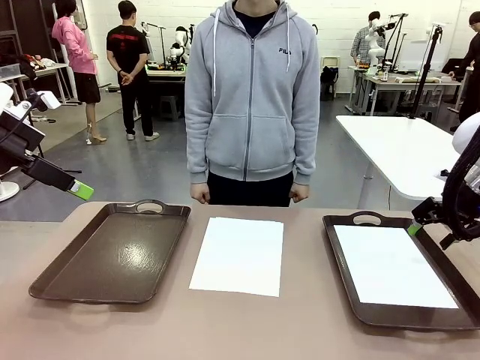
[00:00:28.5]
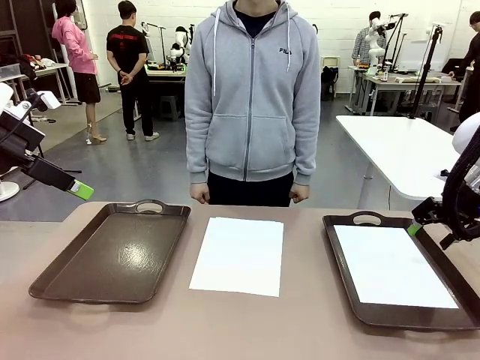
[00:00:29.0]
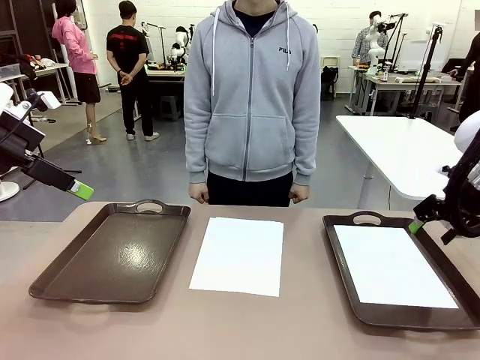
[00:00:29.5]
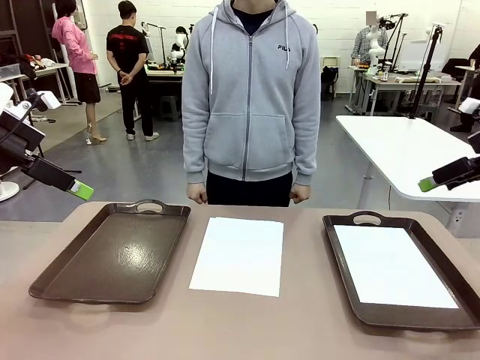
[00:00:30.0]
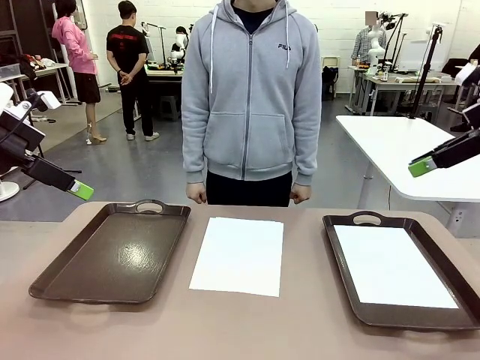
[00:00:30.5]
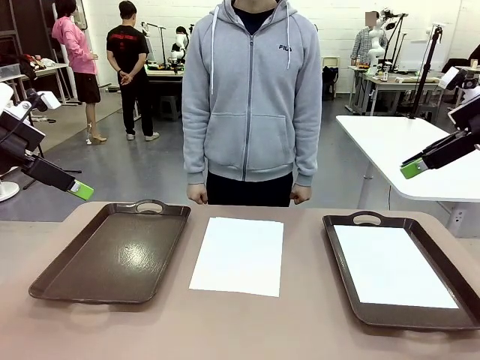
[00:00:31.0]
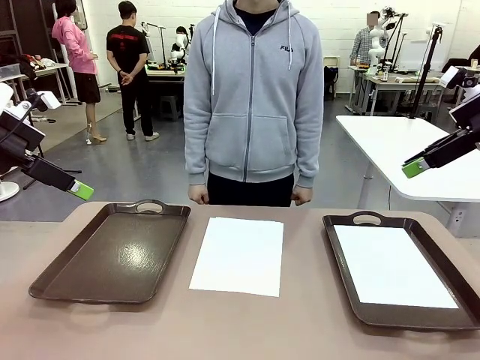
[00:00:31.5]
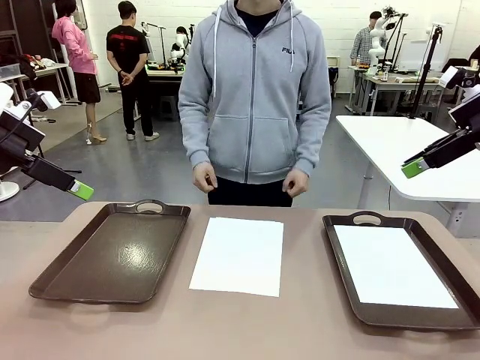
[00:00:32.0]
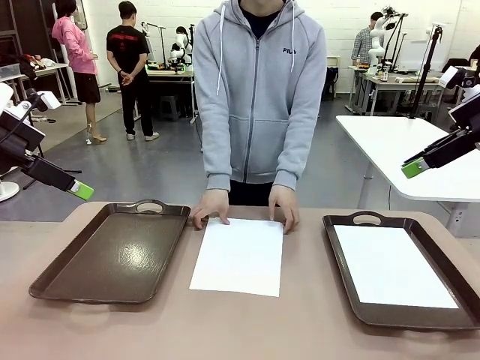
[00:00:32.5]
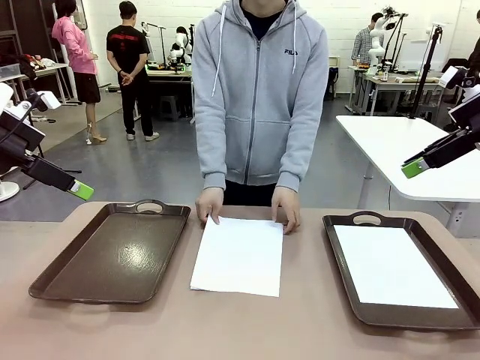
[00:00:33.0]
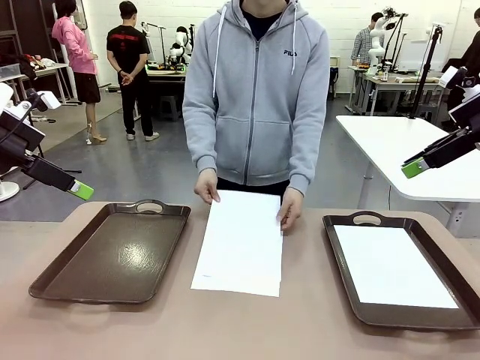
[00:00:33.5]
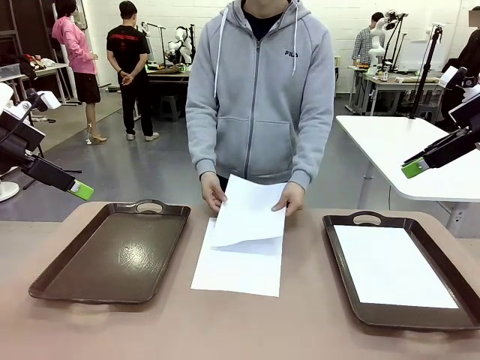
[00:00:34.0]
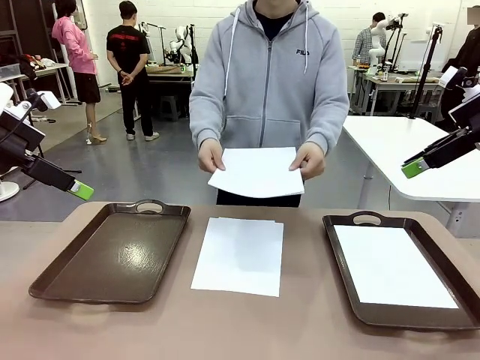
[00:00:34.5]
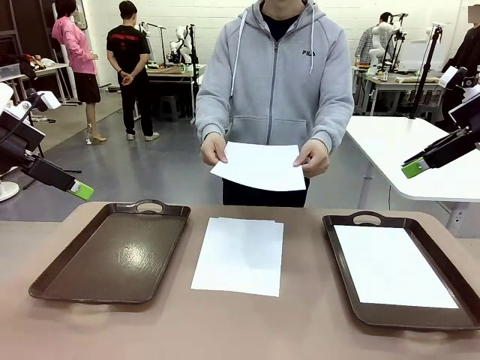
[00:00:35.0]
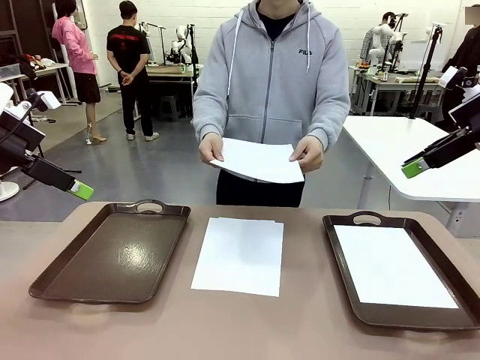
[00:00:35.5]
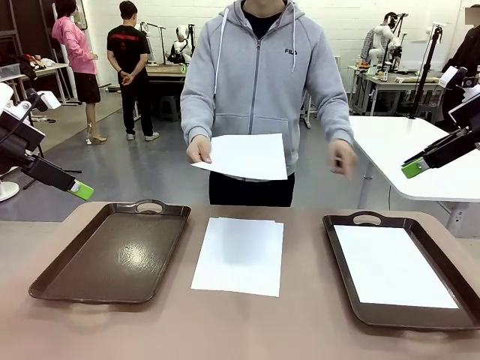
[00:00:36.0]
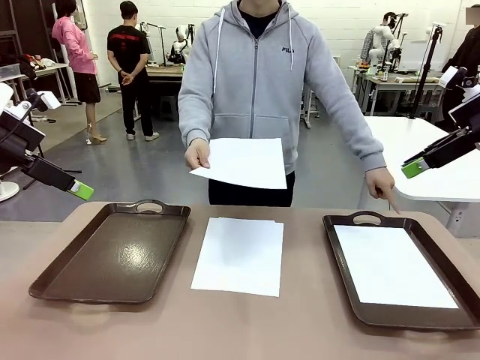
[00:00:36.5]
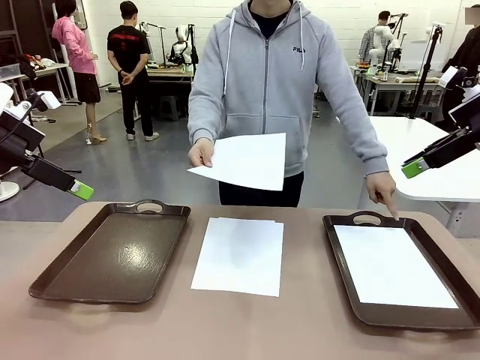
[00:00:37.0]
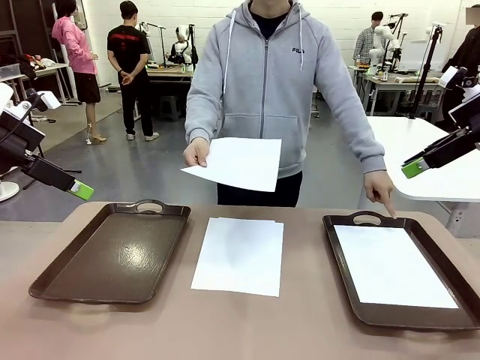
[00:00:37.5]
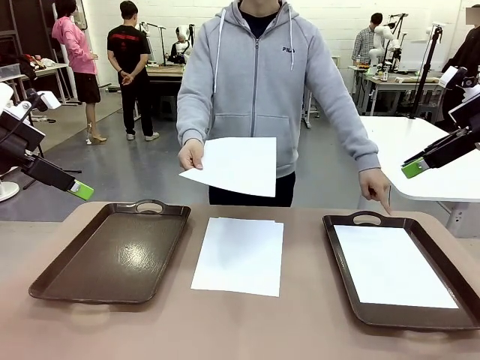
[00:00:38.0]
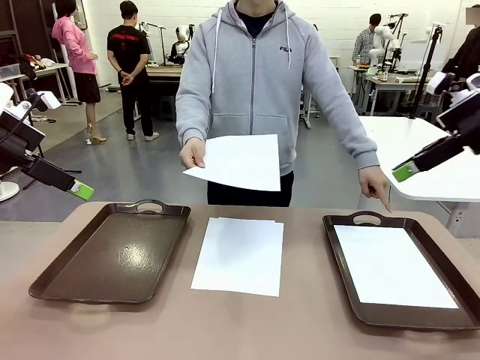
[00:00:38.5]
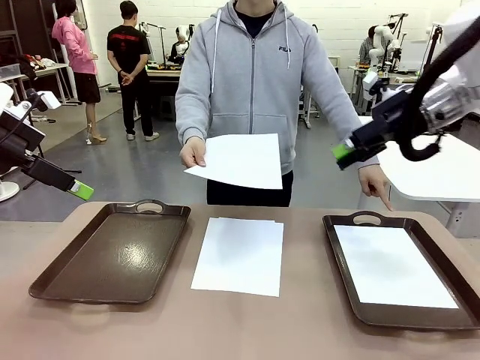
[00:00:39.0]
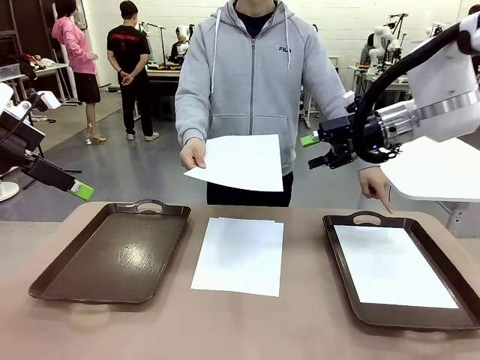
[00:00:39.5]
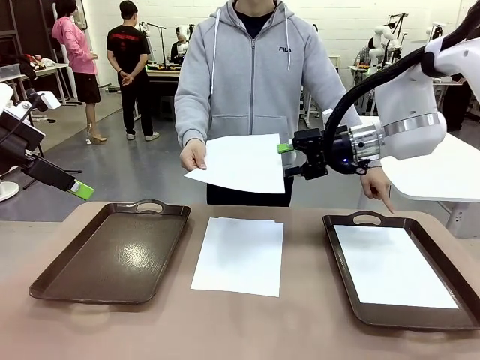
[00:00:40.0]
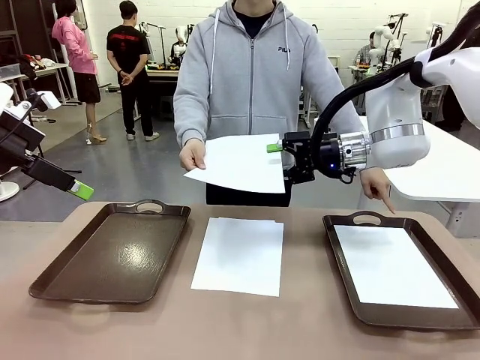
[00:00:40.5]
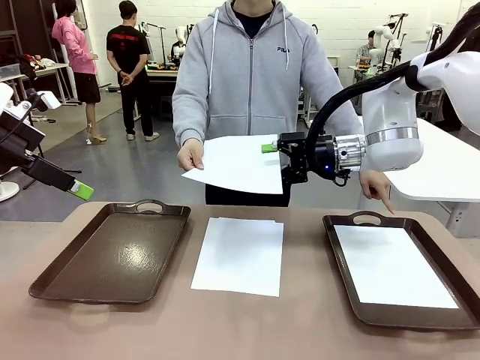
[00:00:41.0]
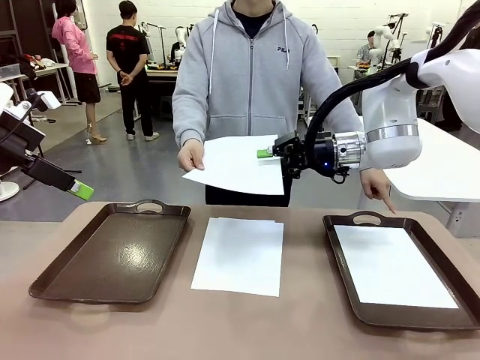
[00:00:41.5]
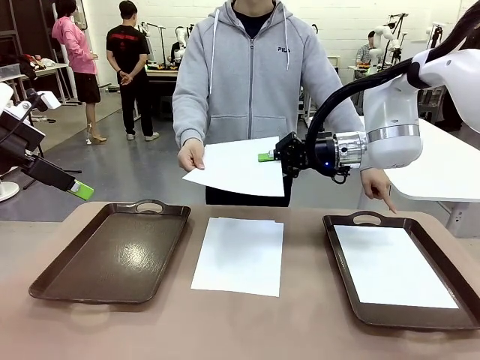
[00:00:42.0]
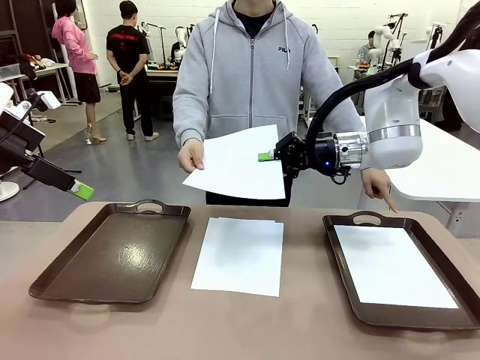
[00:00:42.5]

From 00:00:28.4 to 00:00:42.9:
Task: Sort the A4 documents.
Robot: Receive the A4 Paper.
Person: Point the randomly selected tray with the other hand.

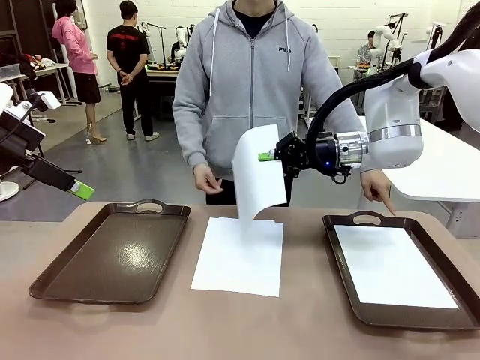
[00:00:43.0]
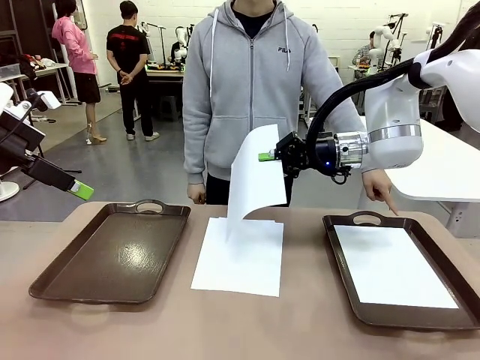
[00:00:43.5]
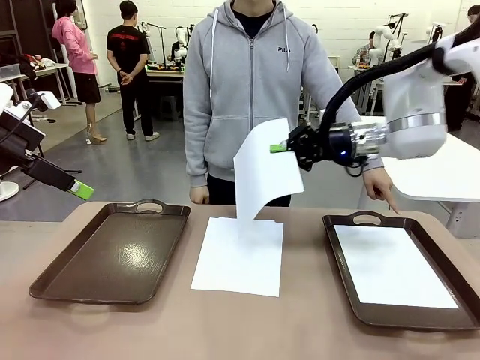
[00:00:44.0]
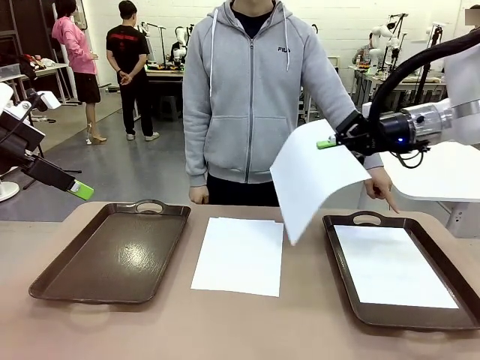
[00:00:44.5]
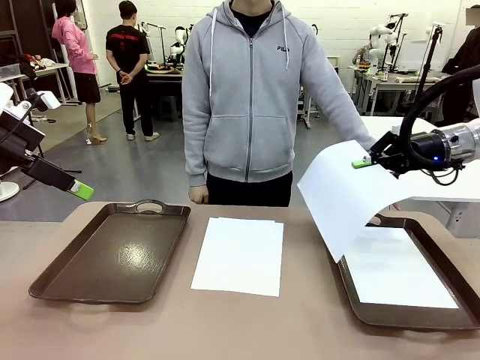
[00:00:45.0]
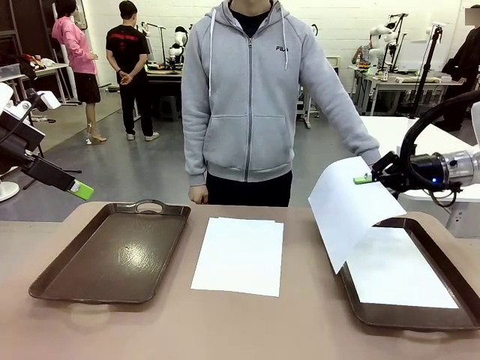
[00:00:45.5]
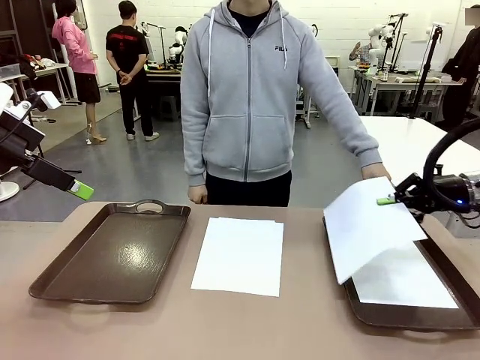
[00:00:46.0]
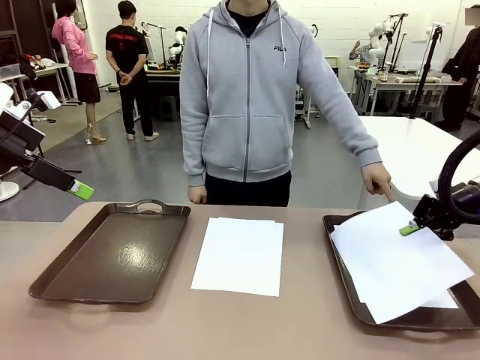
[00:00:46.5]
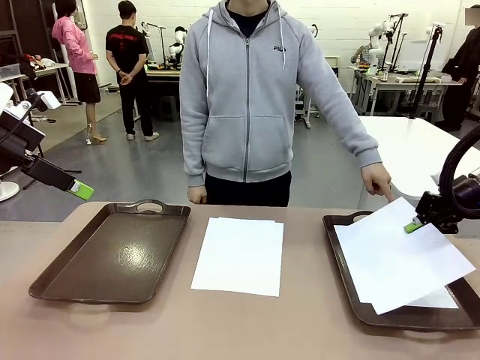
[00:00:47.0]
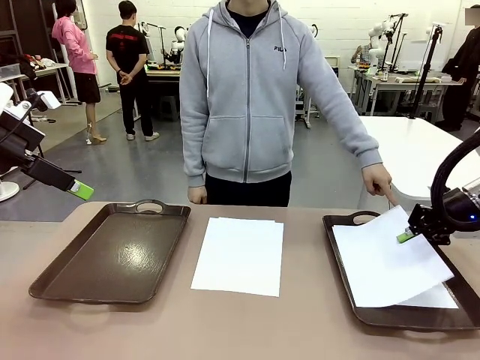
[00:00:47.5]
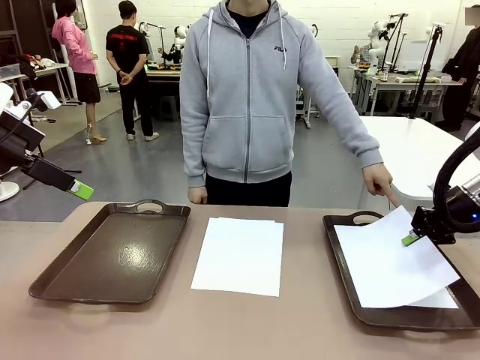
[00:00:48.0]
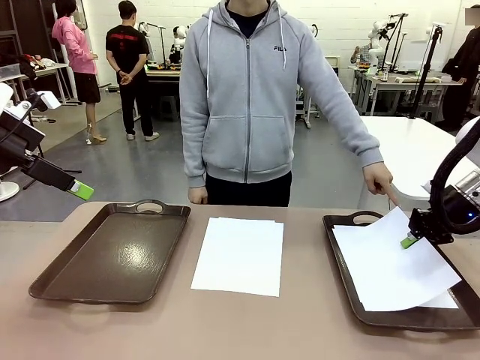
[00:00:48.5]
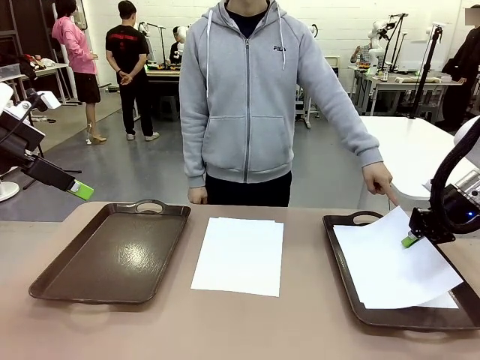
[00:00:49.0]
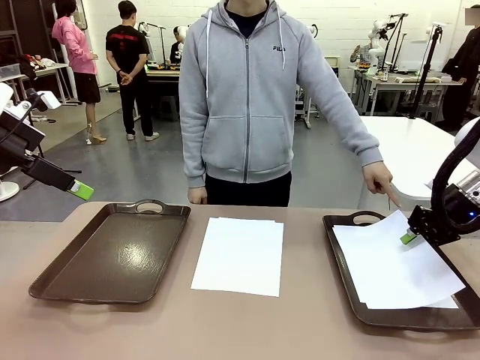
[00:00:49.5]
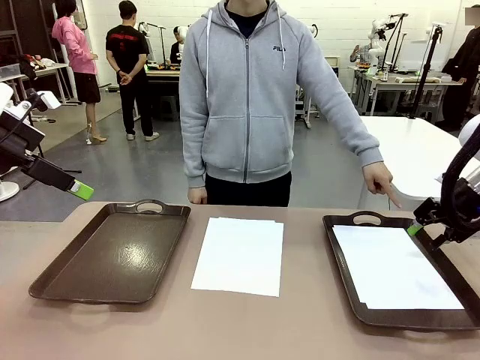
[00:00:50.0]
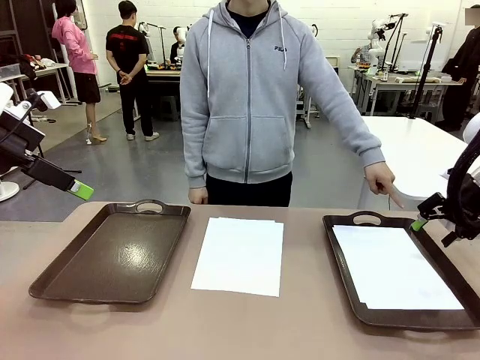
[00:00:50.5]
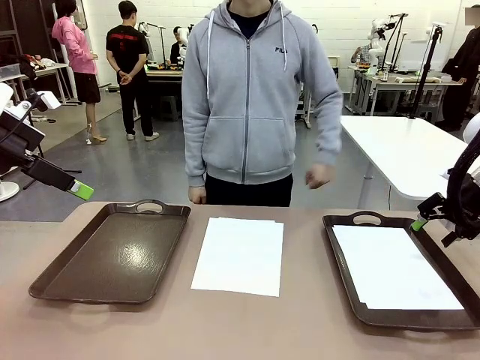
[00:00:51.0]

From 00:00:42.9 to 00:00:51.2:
Robot: Place the A4 Paper in the designated Handle tray.
